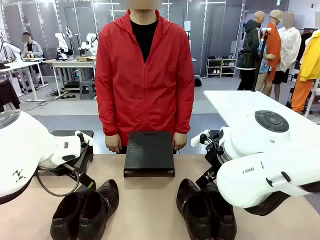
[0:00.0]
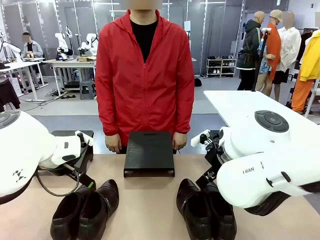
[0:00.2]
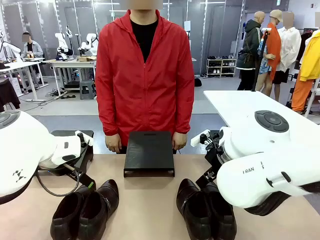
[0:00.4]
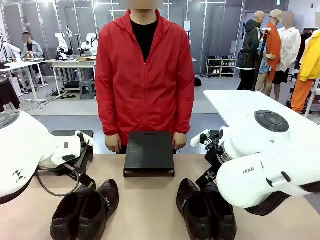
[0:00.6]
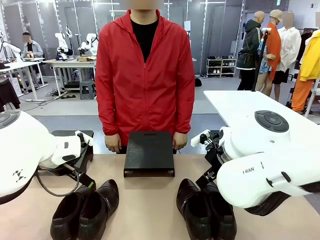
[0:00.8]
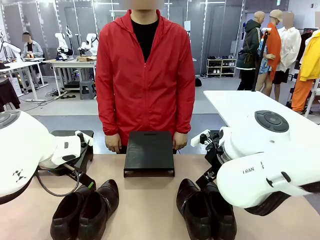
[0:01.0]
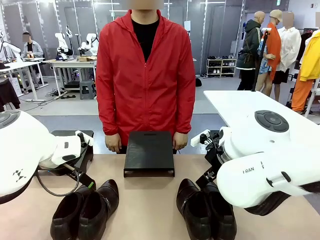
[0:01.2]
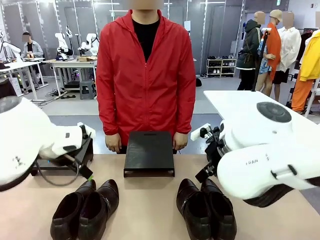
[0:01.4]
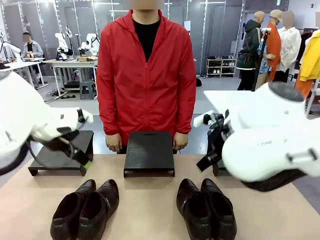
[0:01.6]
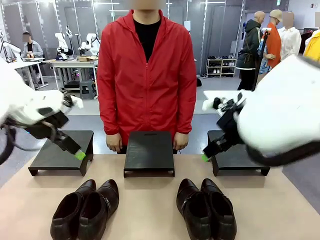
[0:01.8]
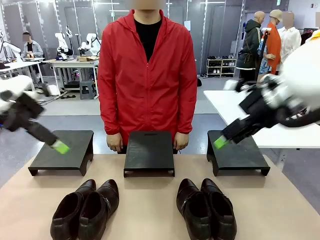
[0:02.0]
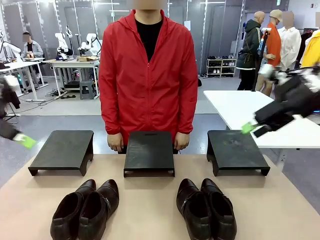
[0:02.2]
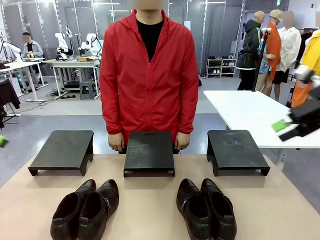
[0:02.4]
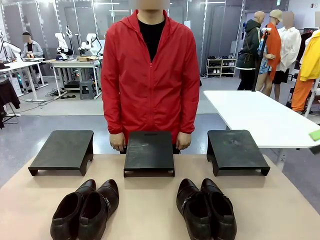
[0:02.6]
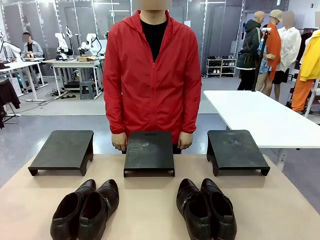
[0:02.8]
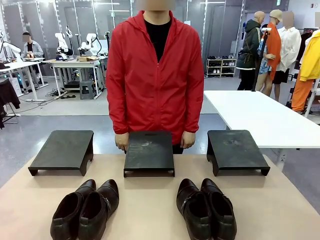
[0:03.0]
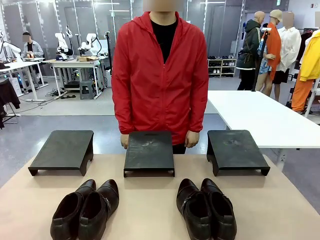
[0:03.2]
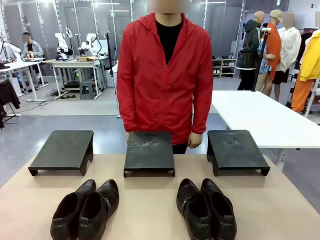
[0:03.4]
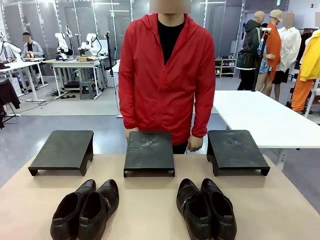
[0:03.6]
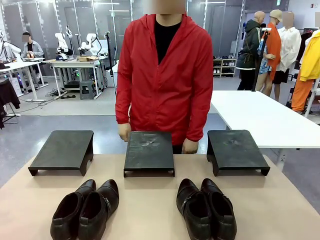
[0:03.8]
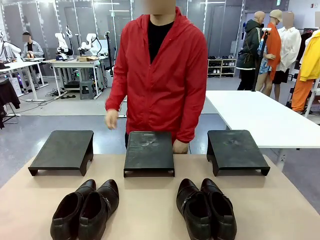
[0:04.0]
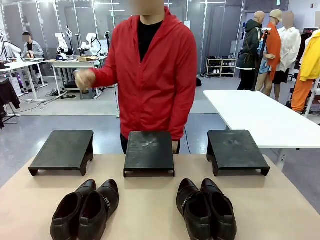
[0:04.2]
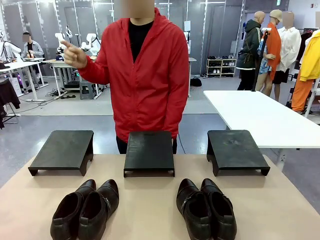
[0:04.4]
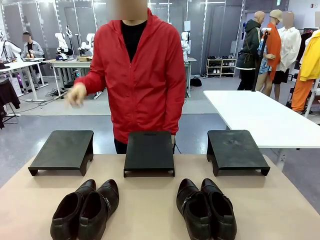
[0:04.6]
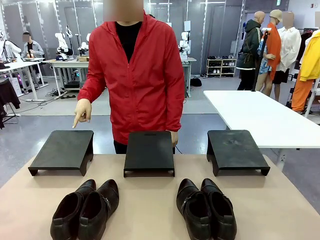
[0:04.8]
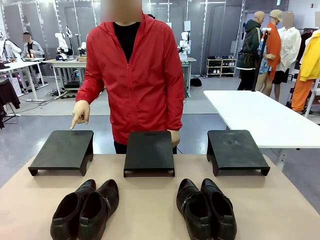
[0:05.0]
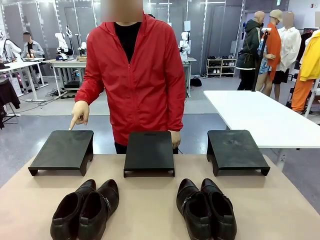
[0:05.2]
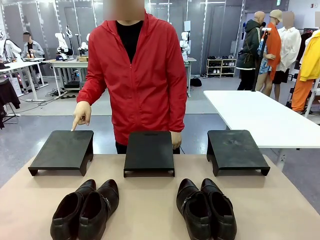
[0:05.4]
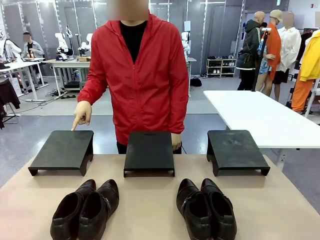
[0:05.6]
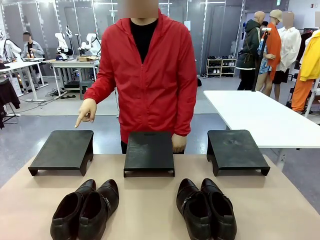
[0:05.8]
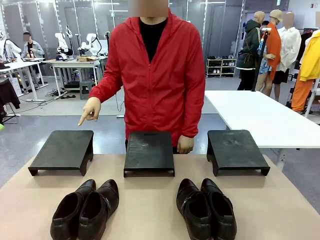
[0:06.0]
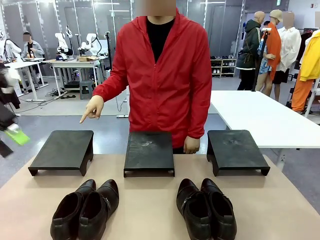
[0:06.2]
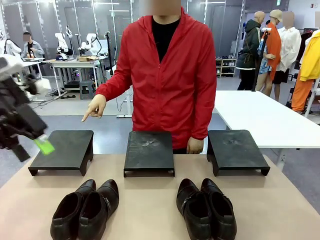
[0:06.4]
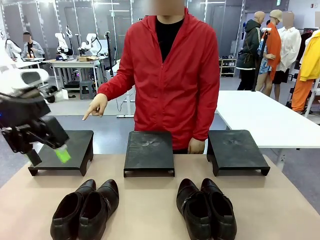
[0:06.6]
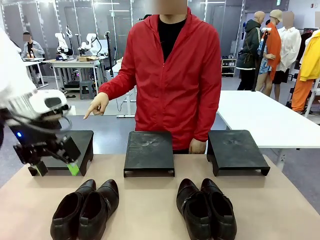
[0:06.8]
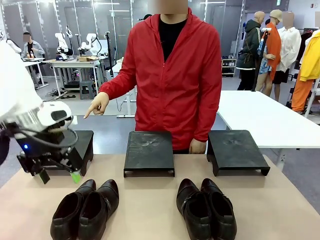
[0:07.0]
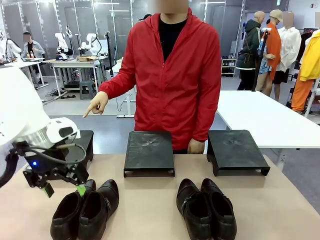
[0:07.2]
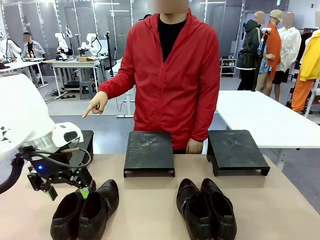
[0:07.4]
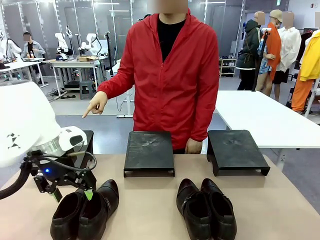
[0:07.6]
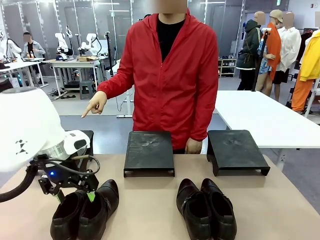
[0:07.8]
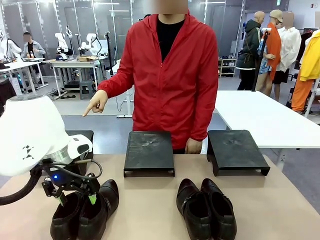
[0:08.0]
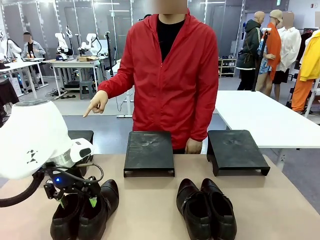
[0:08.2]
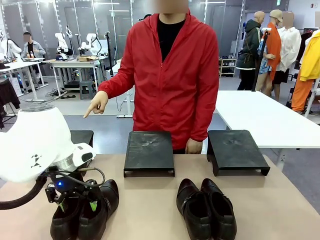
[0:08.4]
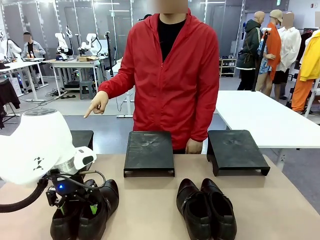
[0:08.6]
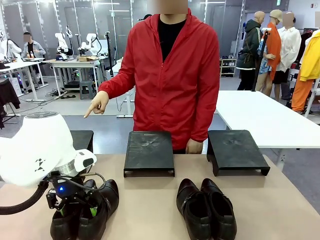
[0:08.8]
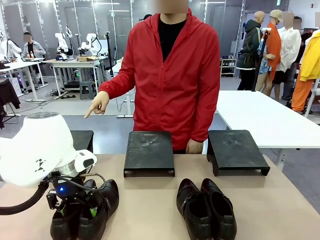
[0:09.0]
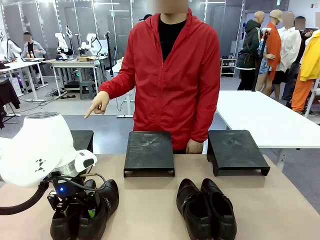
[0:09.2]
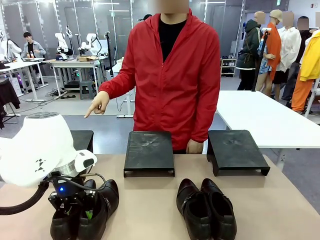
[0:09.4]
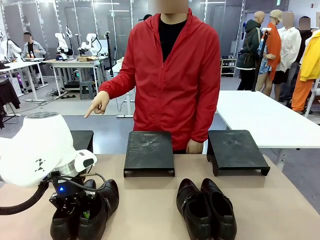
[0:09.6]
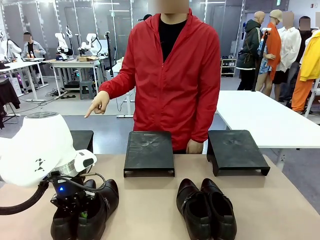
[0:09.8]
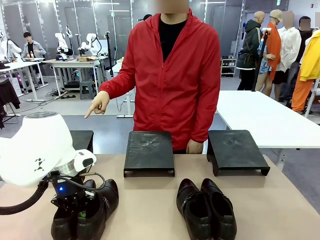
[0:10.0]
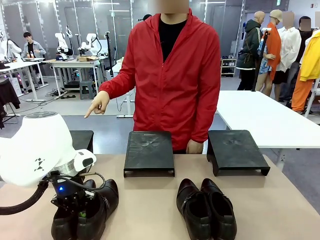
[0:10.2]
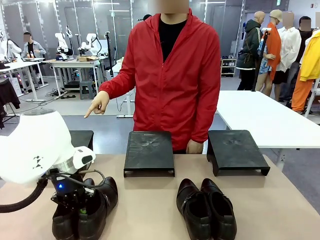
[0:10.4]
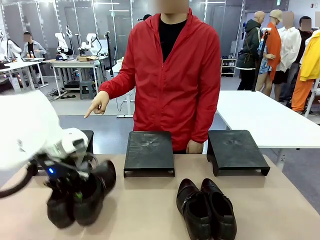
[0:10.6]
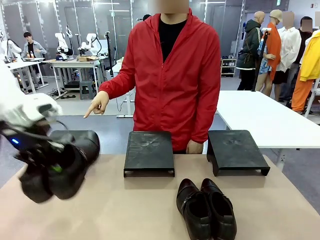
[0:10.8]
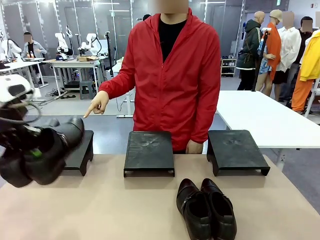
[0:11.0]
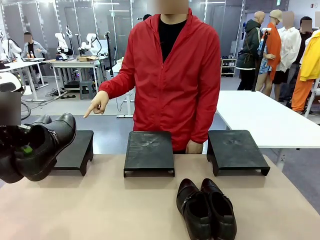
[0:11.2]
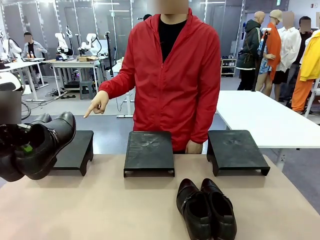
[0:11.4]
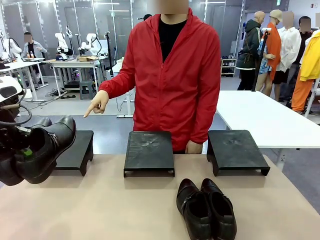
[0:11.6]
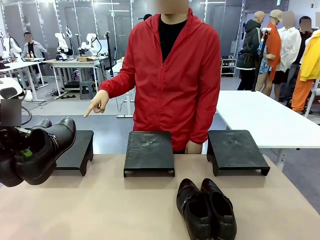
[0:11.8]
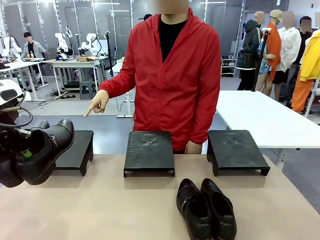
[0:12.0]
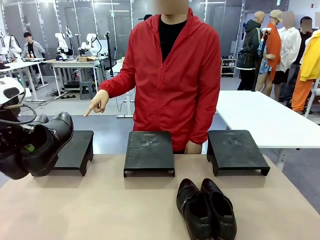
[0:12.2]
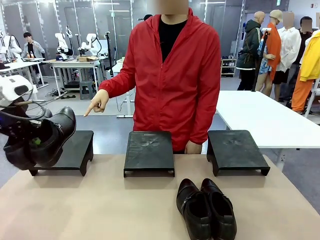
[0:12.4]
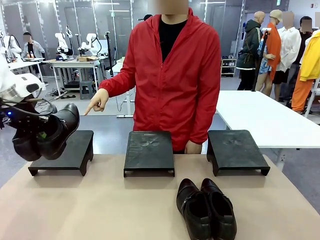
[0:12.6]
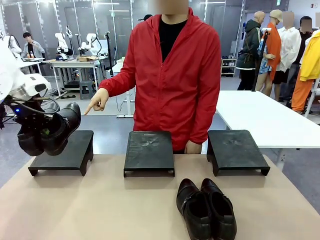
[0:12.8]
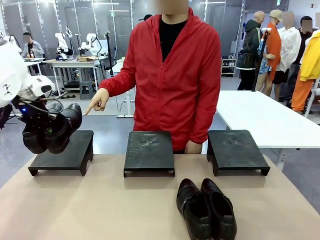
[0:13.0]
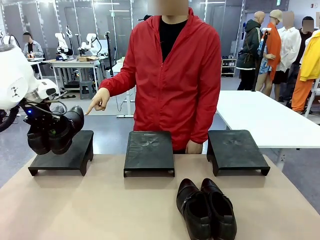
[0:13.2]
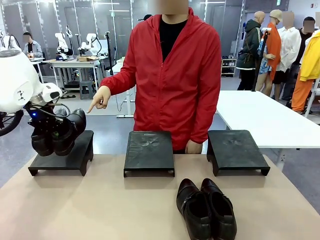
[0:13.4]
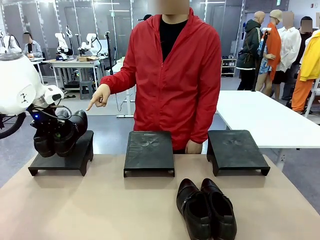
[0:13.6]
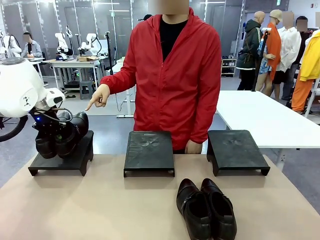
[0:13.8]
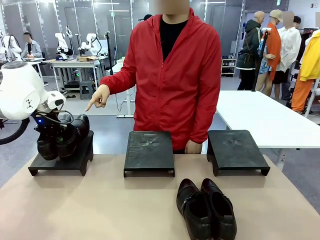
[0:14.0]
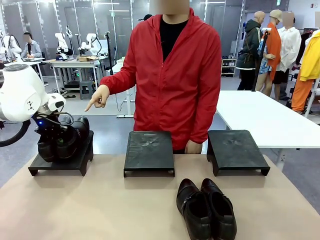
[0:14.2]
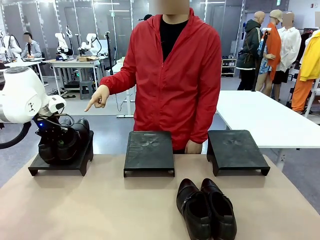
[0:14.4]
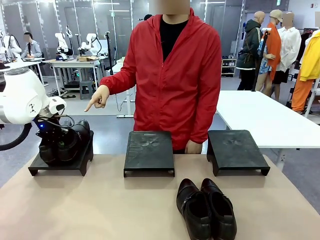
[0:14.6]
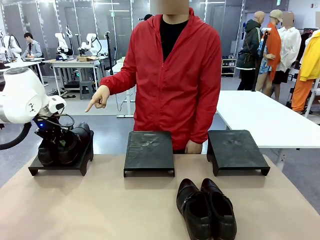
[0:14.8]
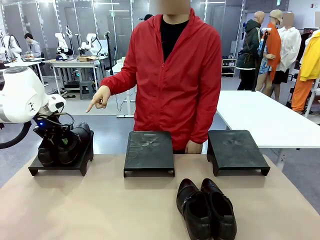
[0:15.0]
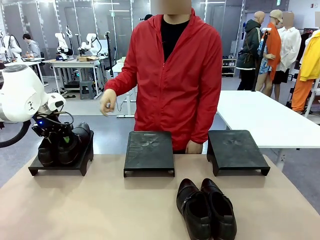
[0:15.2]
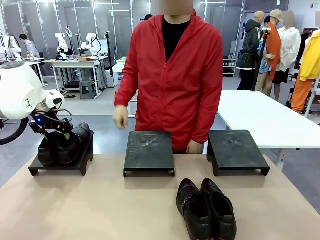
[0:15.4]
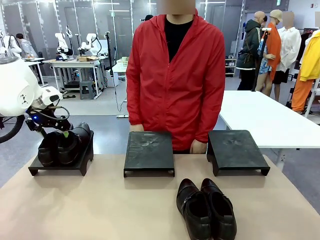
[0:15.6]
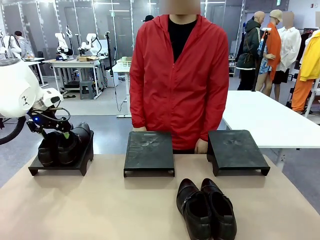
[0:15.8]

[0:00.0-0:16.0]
Task: Place the shoes on the stand as instructed by the person.
Robot: Pick up one pair of Shoes and place it on the Shoes Stand indicated by the person.
